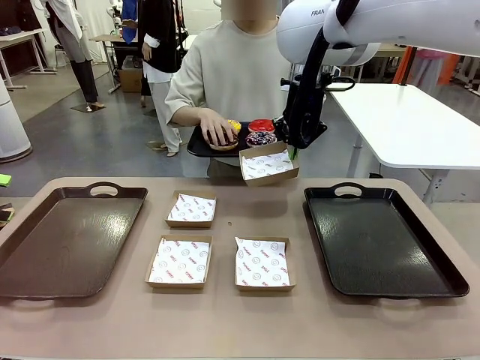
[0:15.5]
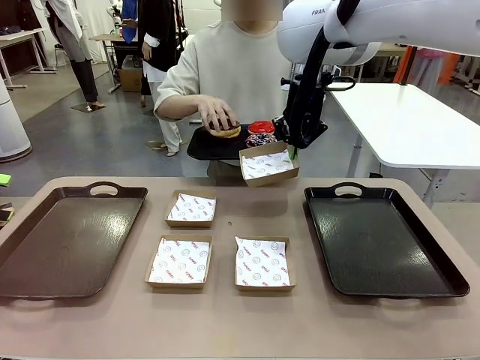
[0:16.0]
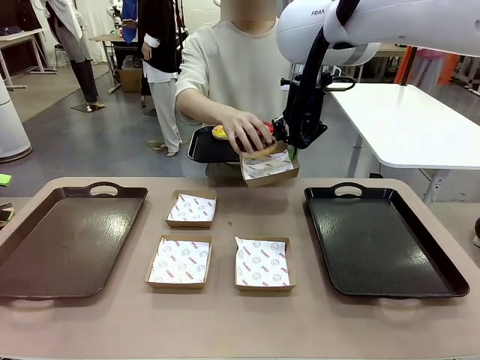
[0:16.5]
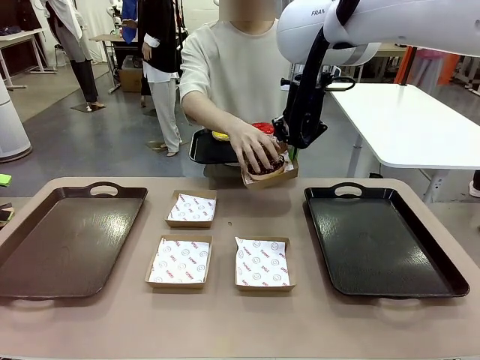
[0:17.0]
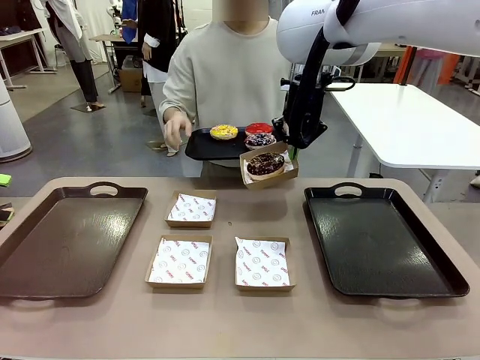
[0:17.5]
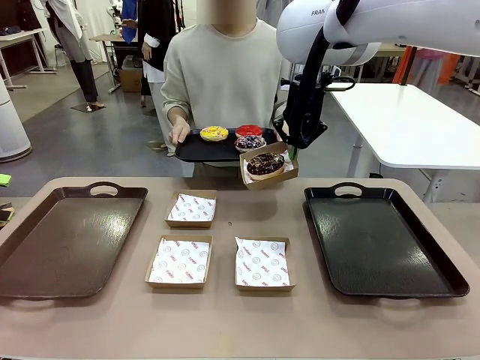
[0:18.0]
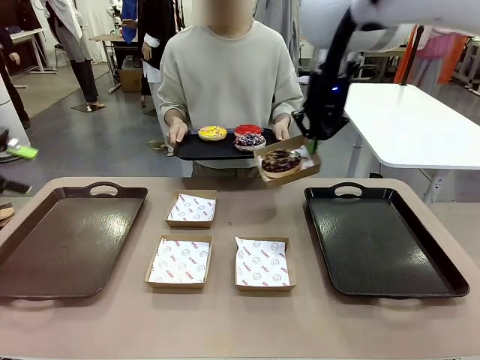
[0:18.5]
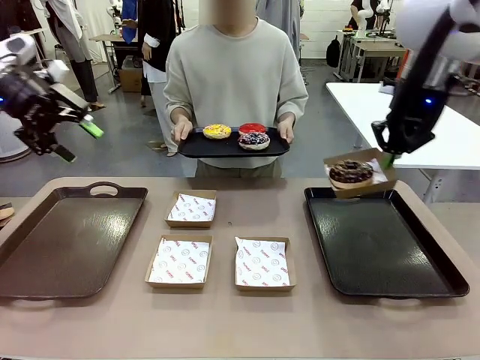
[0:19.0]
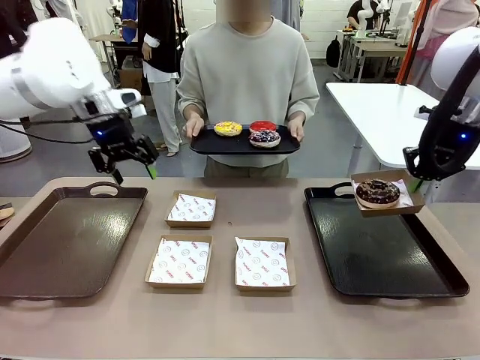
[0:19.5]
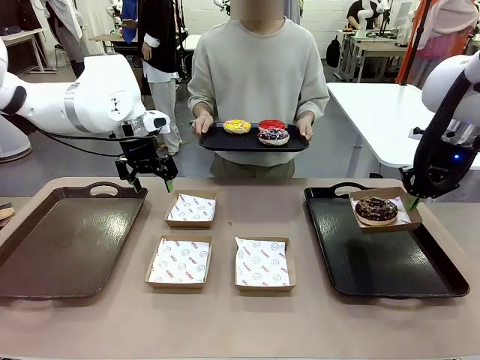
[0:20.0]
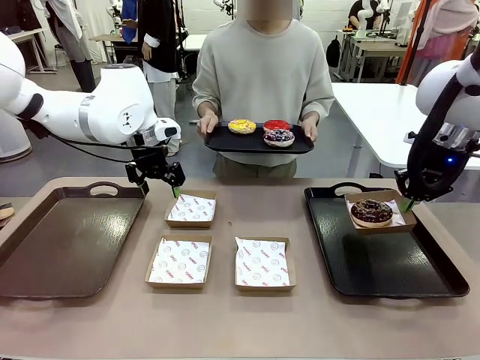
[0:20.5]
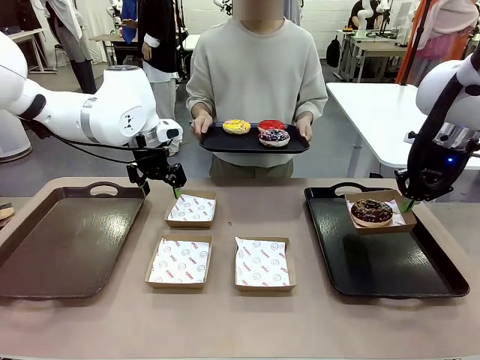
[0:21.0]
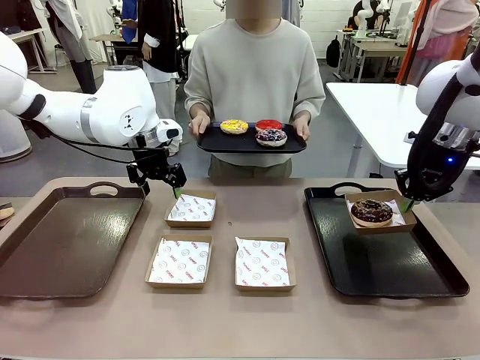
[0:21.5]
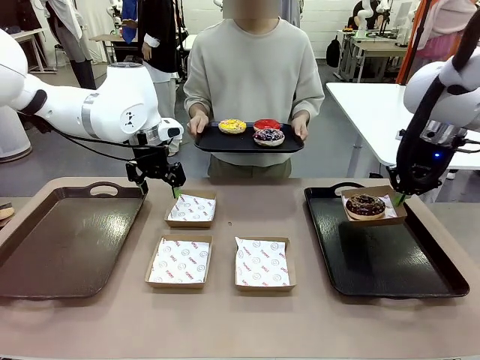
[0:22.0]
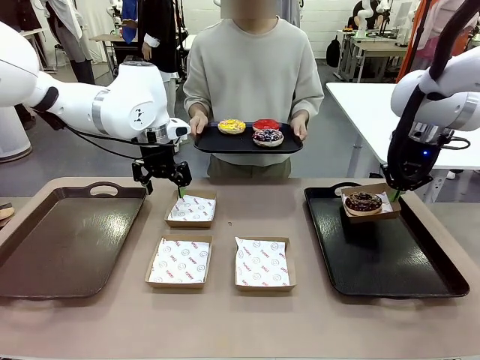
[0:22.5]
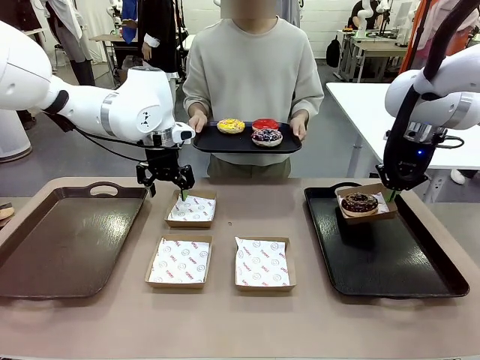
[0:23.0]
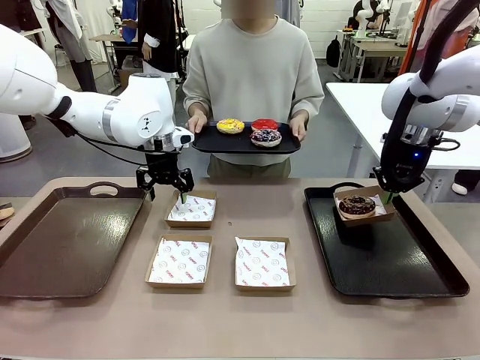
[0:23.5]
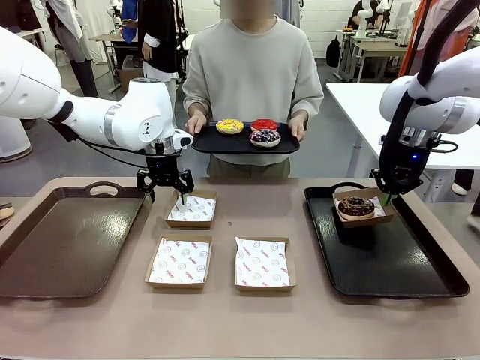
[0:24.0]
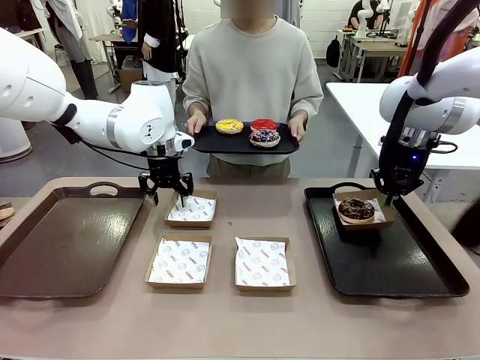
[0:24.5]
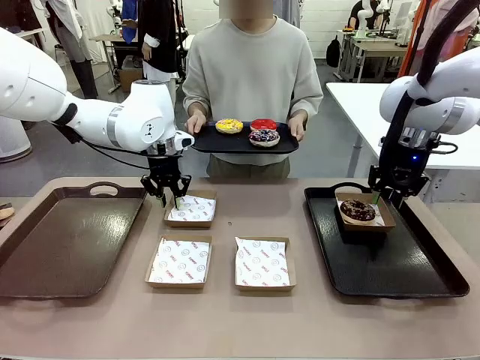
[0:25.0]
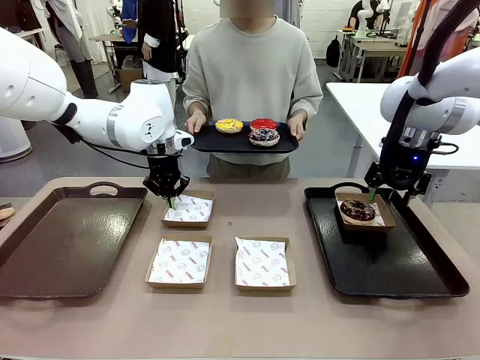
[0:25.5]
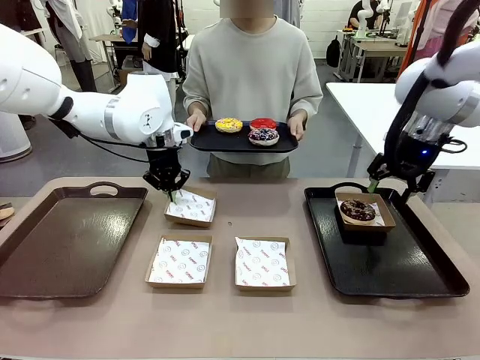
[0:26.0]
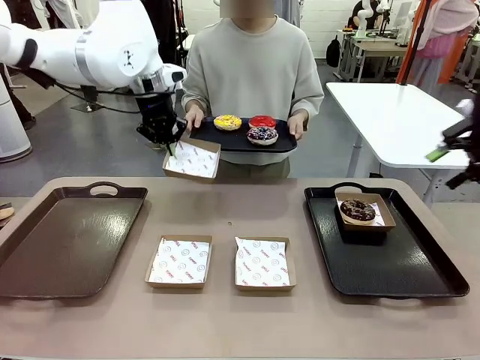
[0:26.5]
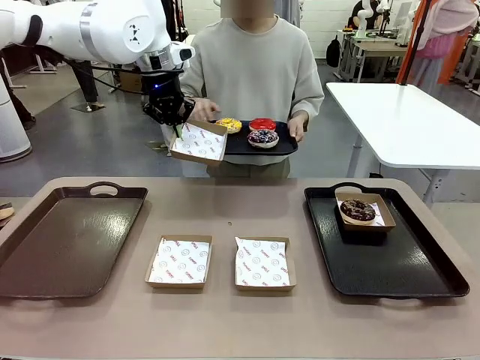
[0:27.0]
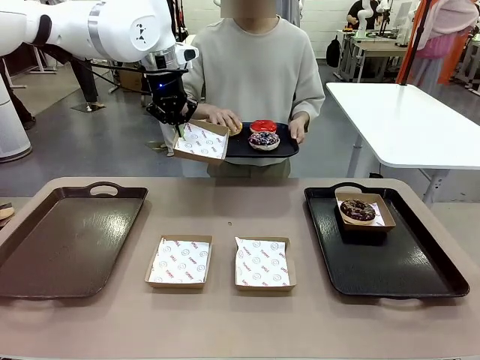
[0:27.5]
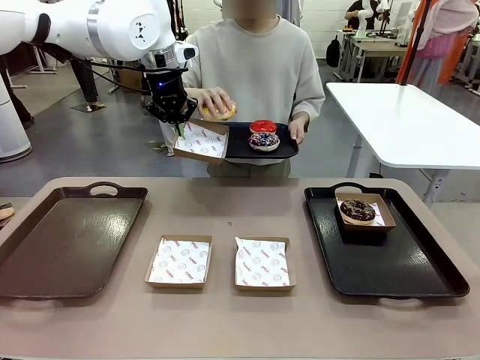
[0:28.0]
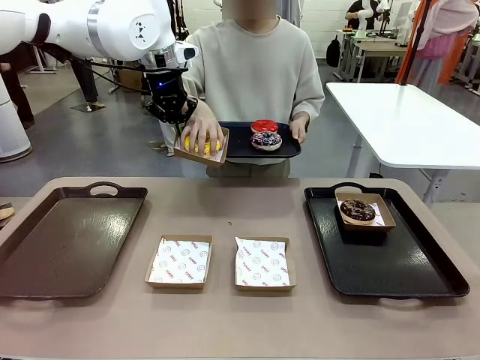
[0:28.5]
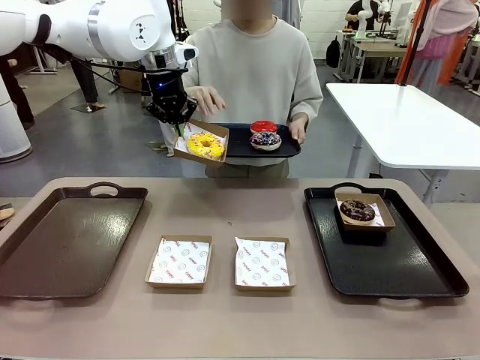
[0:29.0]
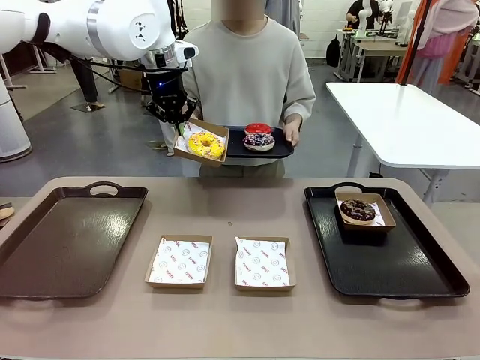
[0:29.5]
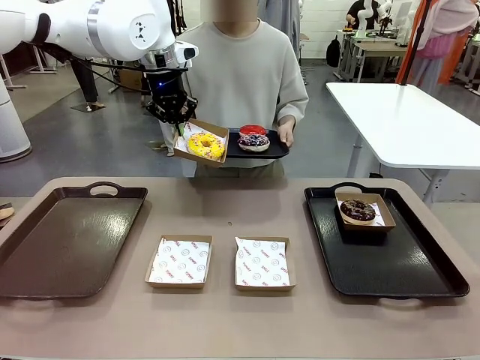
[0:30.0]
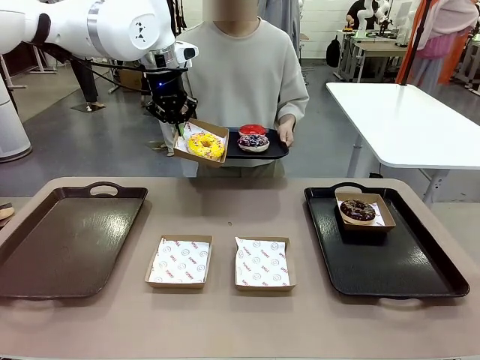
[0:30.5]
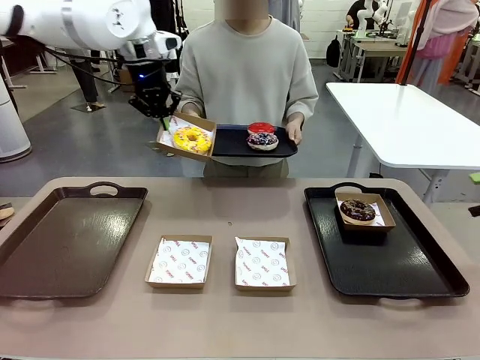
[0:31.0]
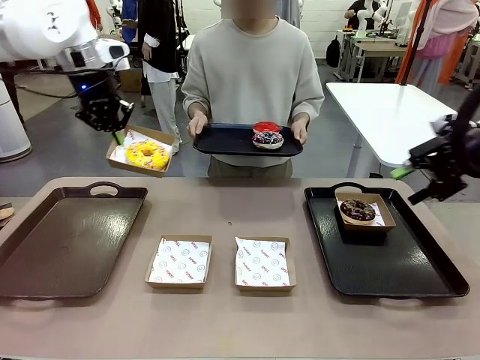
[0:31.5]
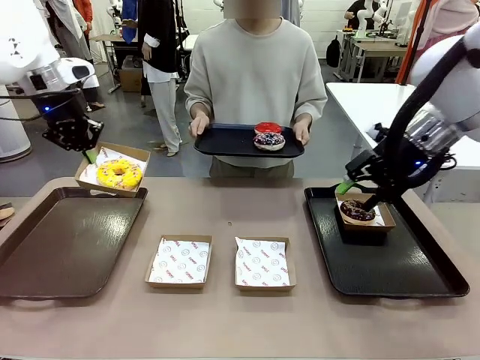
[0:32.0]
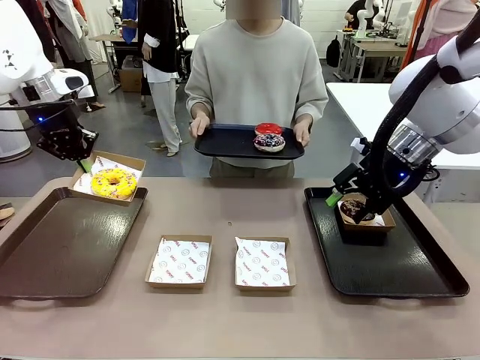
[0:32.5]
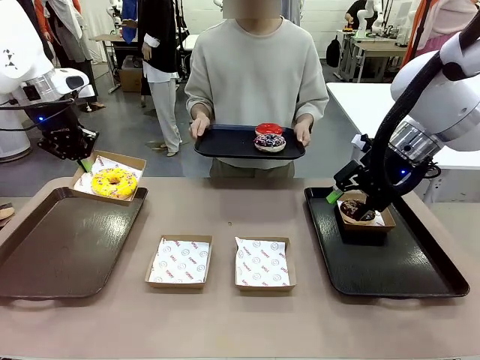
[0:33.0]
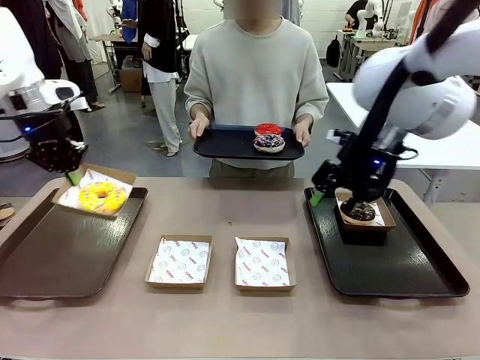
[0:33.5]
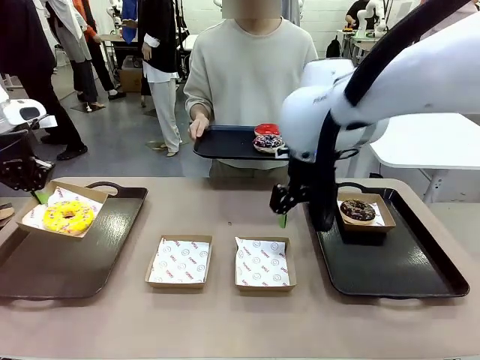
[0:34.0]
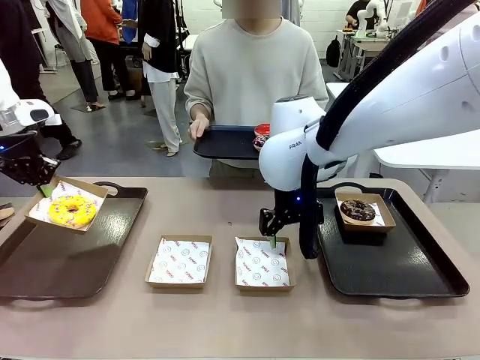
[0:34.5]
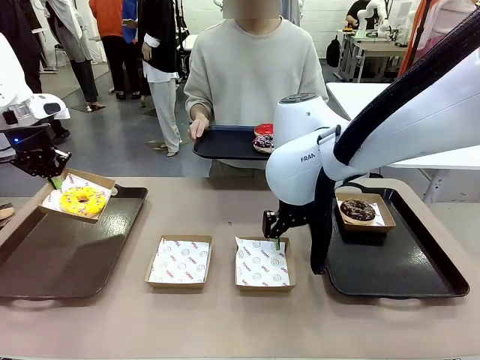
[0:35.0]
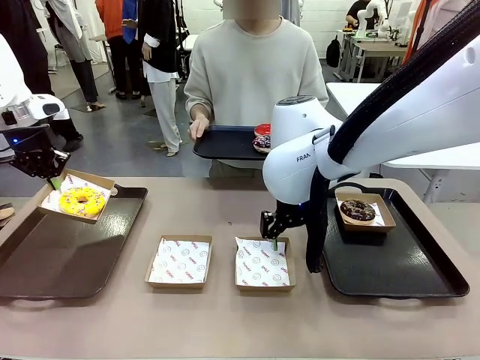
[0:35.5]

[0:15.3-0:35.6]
Task: Individually package the donuts and arrange them on the tray.
Robot: Place the picked Paper togo box on the Handle tray while simultaneously picking up another Paper togo box from the table with the other hand.

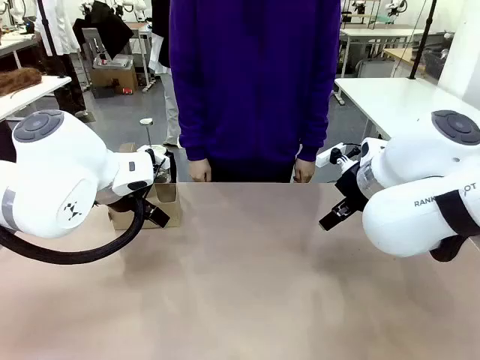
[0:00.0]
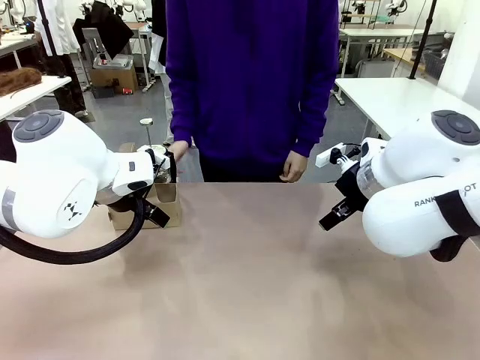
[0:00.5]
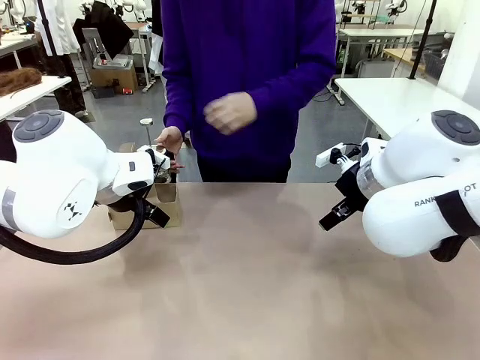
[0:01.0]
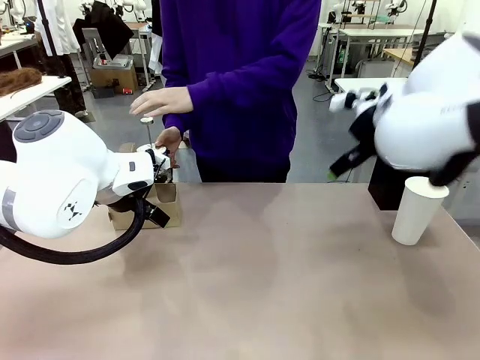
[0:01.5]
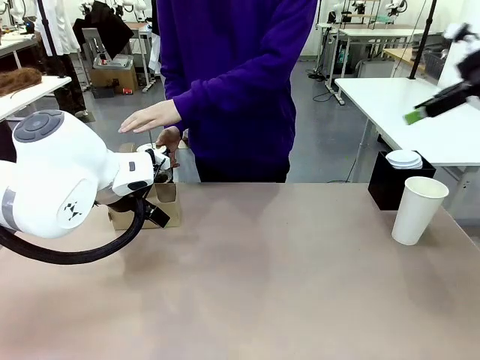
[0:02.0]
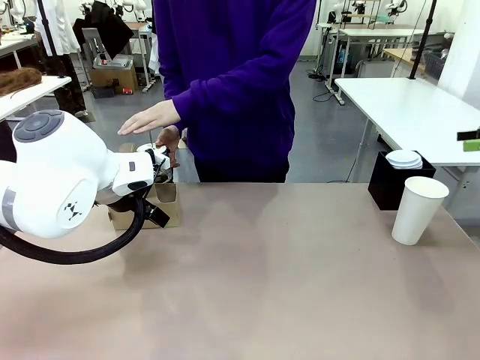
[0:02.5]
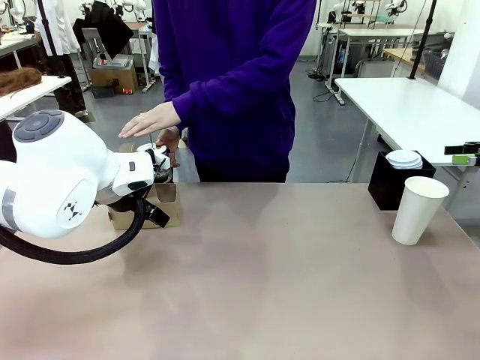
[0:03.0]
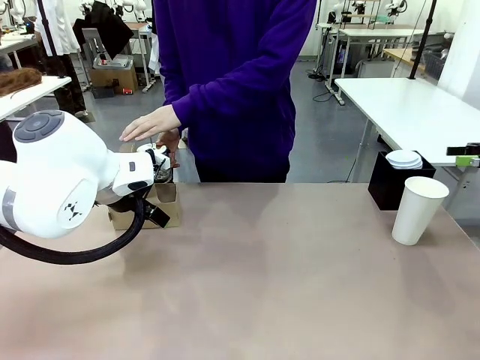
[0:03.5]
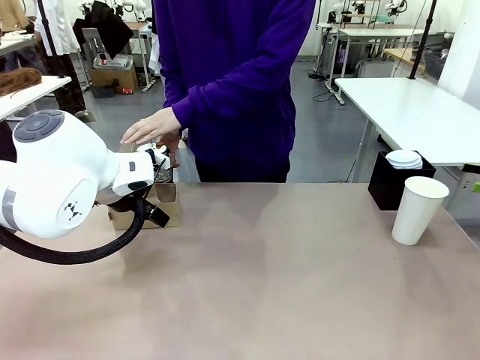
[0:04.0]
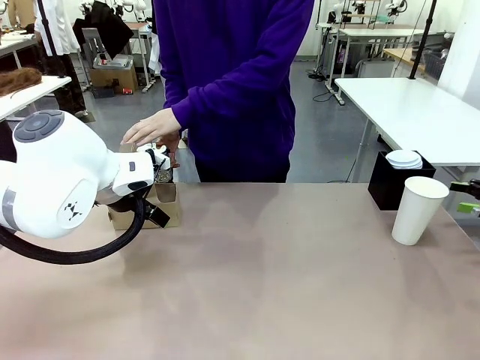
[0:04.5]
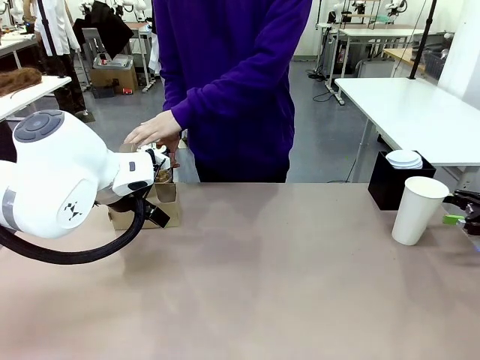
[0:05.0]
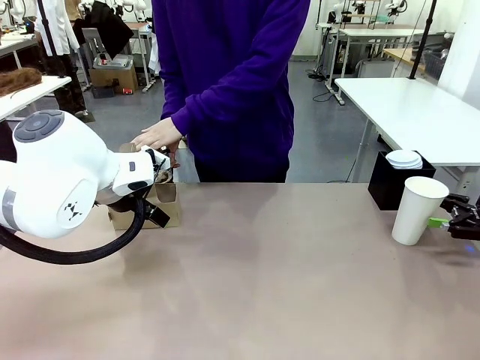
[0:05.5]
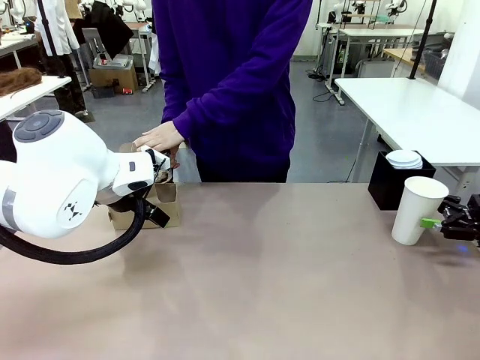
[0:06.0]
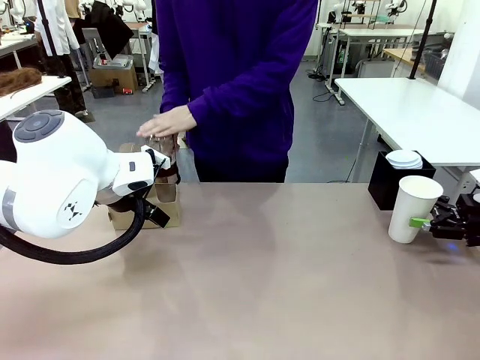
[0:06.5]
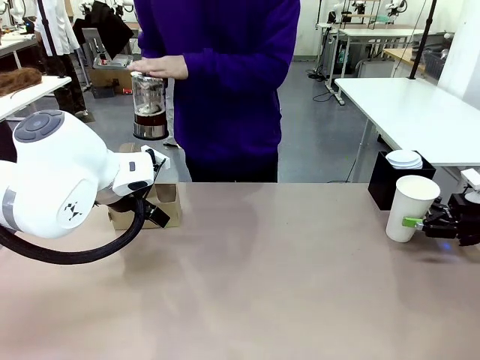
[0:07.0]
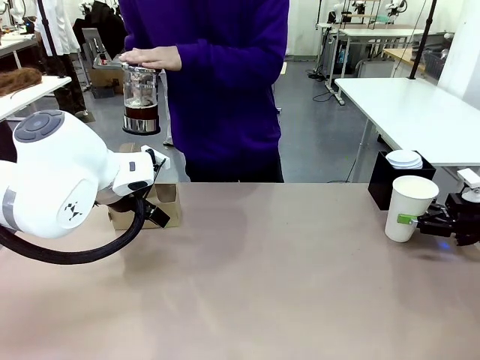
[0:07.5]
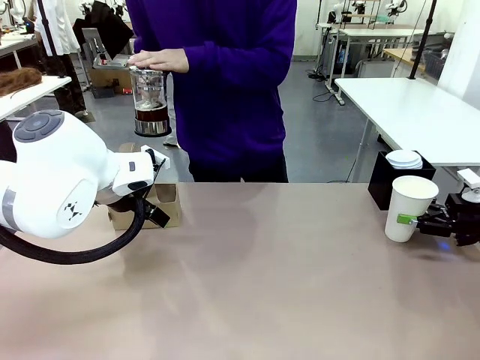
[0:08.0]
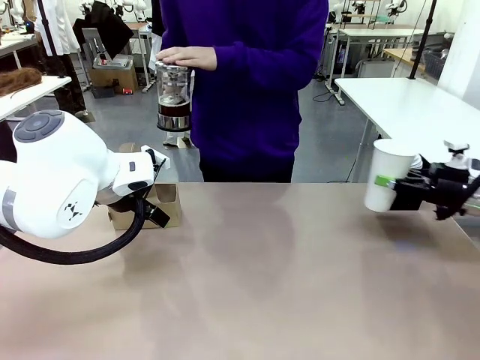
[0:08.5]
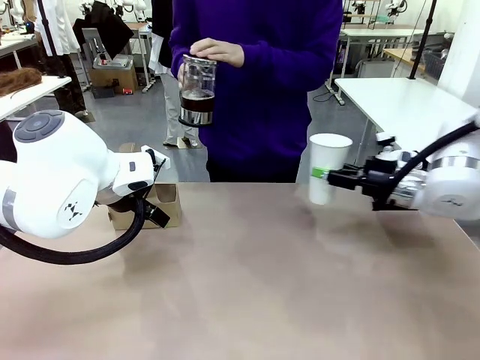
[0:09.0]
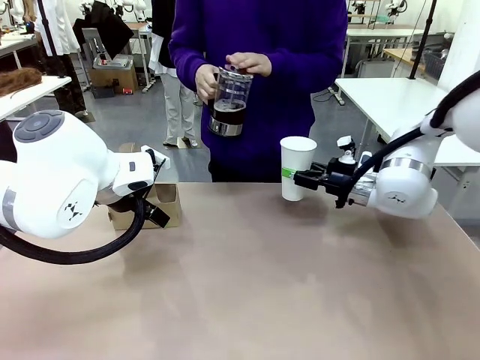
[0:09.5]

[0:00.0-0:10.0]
Task: Pour a drink into a cup and package it in a carrier.
Robot: Pick up the 600 ml Paper Cup and place it in the middle top area of the table.
Person: Press and pick up the Filter Brewing.
